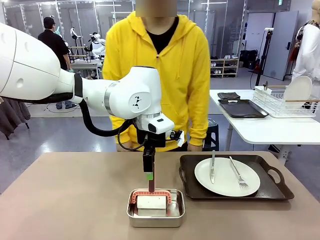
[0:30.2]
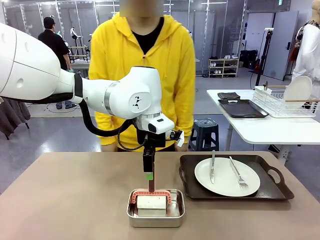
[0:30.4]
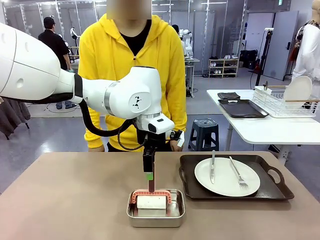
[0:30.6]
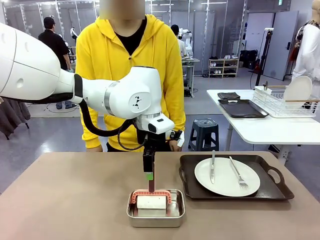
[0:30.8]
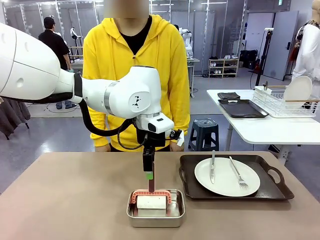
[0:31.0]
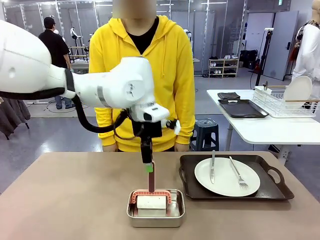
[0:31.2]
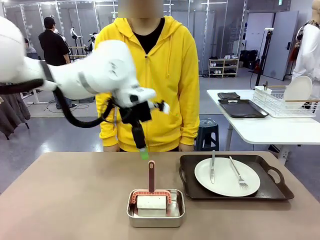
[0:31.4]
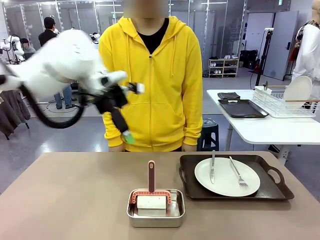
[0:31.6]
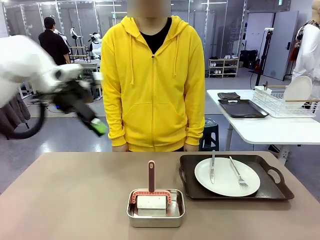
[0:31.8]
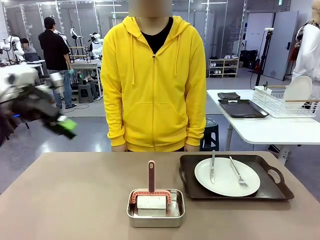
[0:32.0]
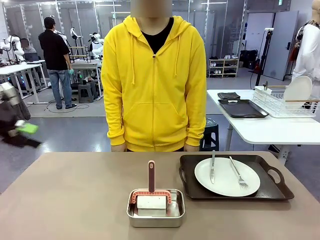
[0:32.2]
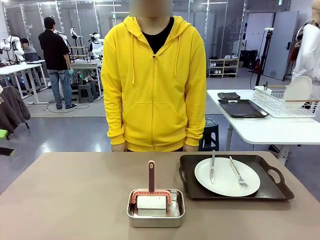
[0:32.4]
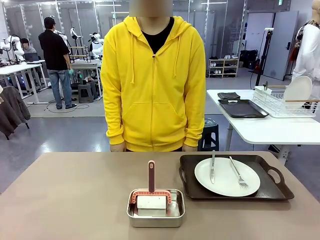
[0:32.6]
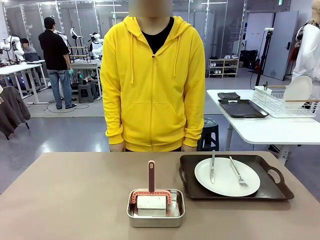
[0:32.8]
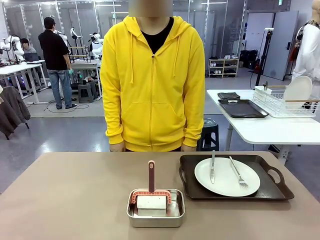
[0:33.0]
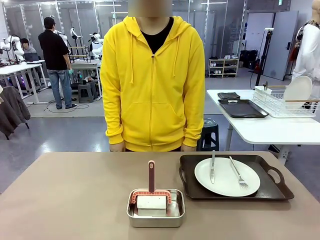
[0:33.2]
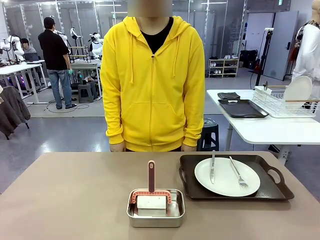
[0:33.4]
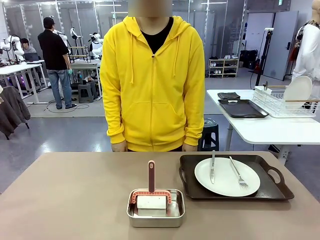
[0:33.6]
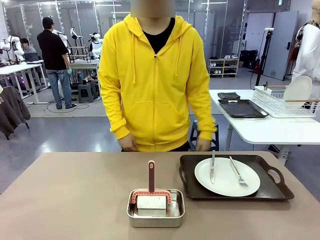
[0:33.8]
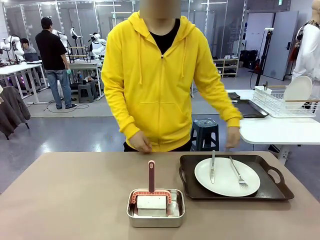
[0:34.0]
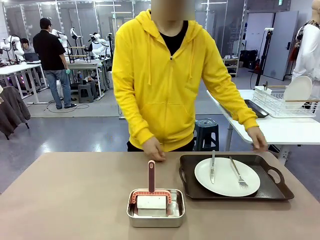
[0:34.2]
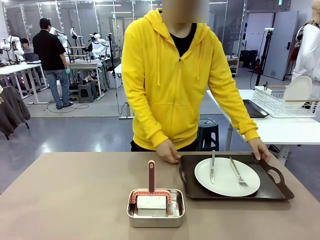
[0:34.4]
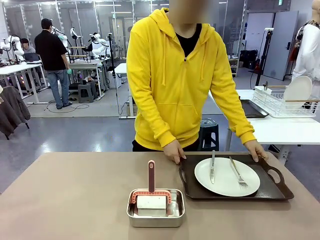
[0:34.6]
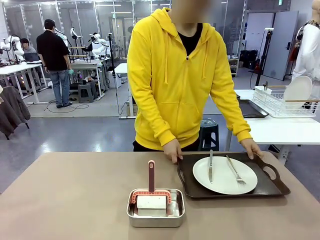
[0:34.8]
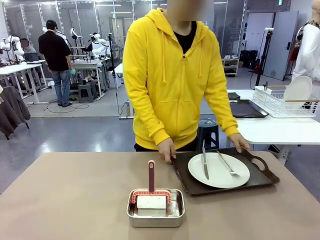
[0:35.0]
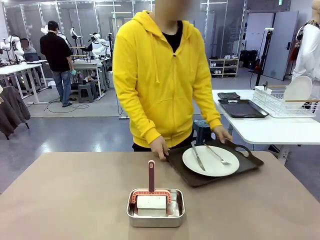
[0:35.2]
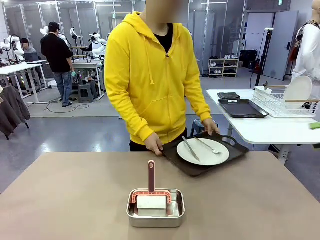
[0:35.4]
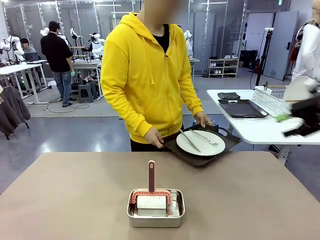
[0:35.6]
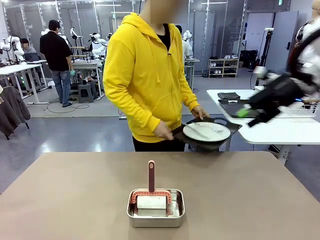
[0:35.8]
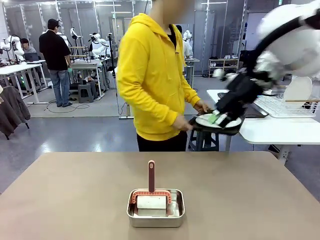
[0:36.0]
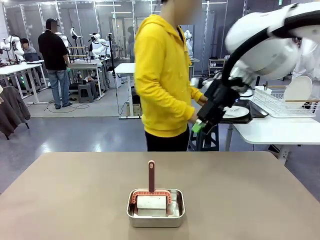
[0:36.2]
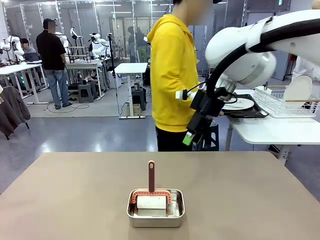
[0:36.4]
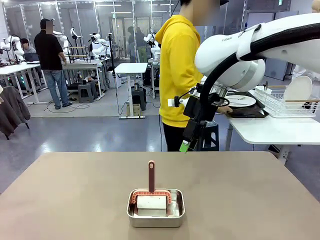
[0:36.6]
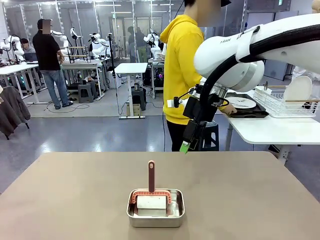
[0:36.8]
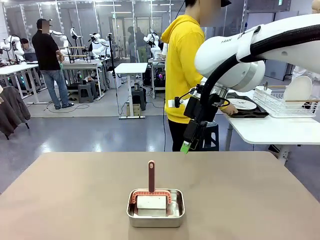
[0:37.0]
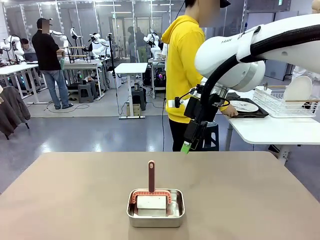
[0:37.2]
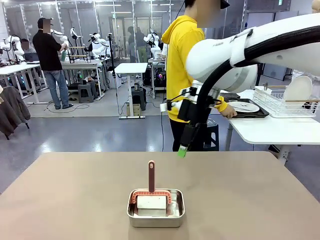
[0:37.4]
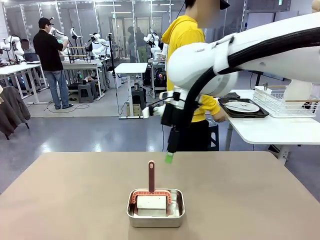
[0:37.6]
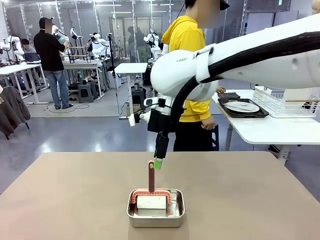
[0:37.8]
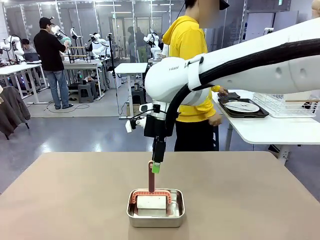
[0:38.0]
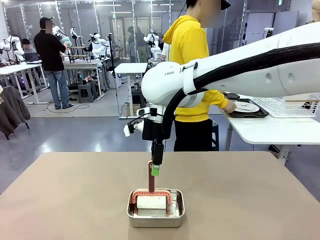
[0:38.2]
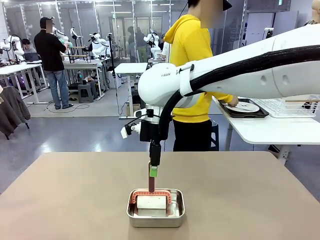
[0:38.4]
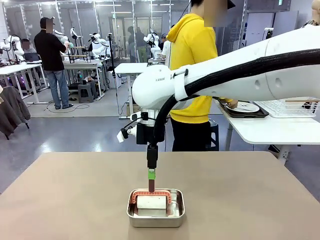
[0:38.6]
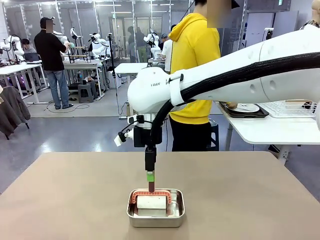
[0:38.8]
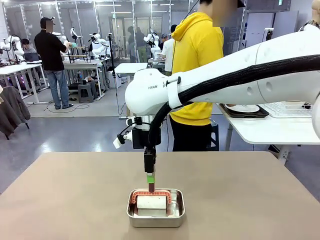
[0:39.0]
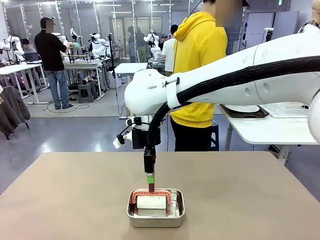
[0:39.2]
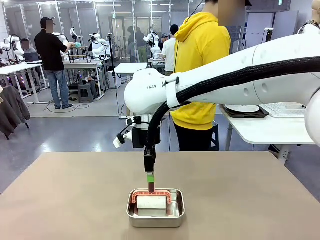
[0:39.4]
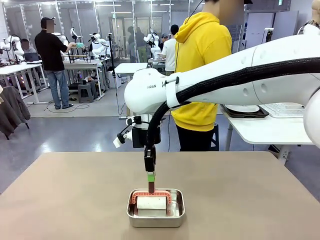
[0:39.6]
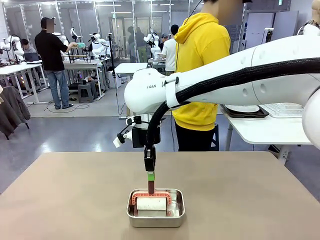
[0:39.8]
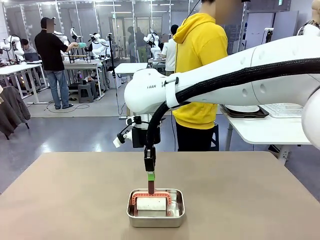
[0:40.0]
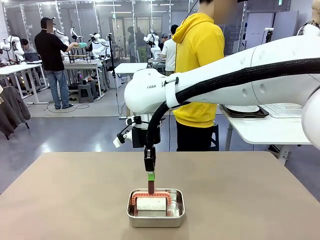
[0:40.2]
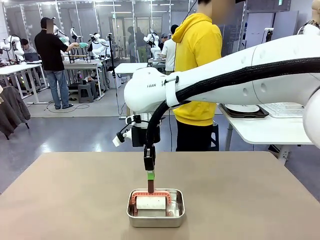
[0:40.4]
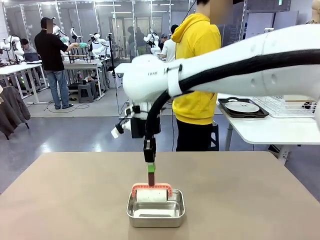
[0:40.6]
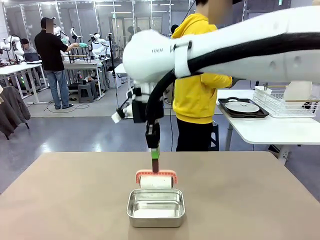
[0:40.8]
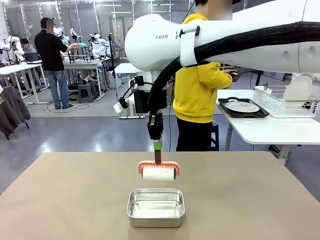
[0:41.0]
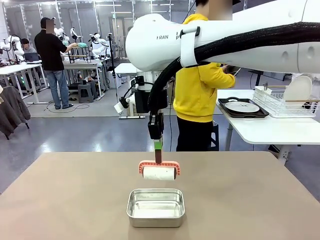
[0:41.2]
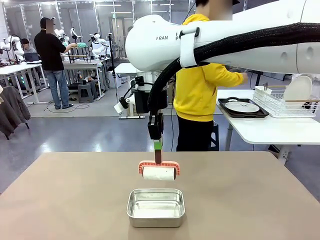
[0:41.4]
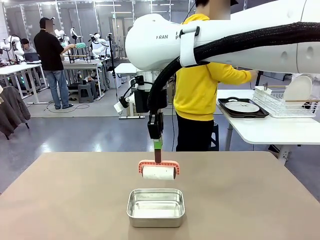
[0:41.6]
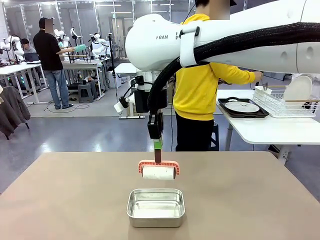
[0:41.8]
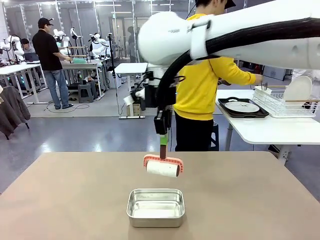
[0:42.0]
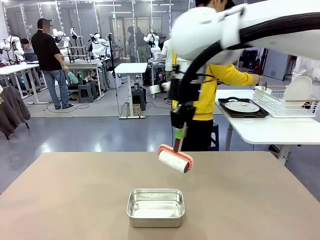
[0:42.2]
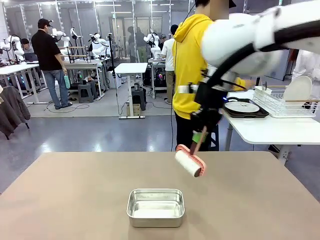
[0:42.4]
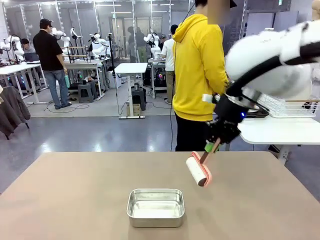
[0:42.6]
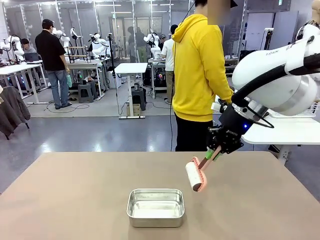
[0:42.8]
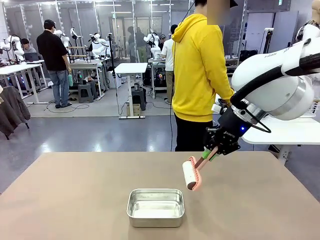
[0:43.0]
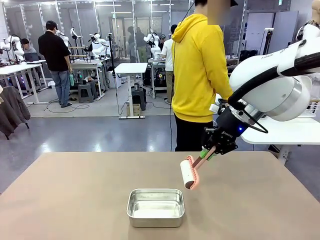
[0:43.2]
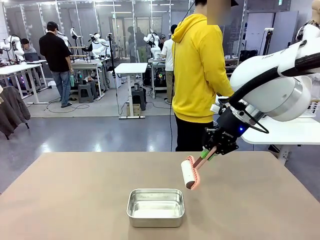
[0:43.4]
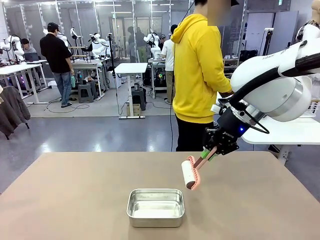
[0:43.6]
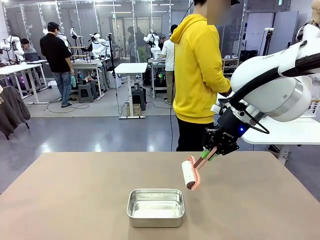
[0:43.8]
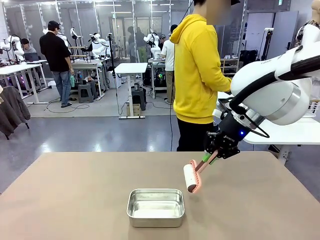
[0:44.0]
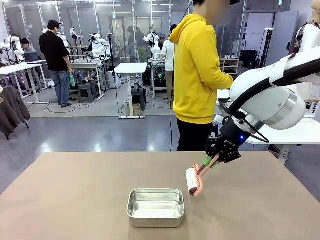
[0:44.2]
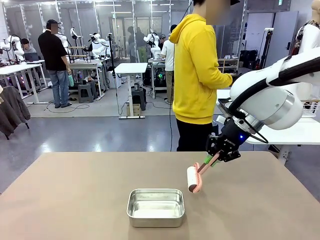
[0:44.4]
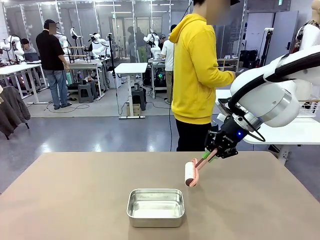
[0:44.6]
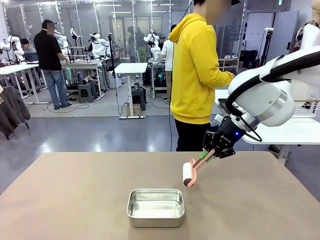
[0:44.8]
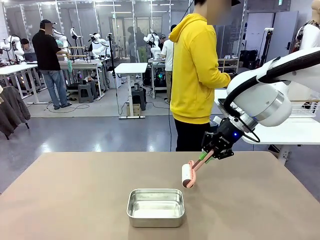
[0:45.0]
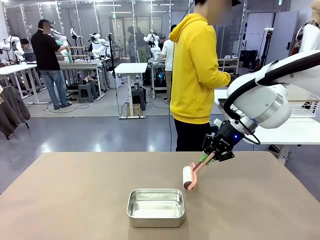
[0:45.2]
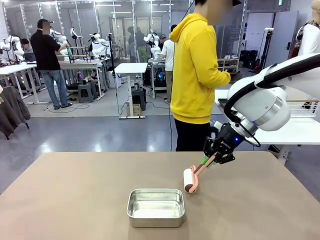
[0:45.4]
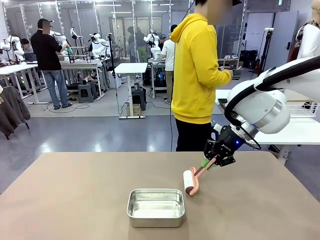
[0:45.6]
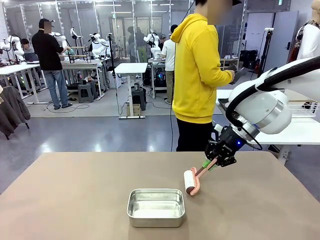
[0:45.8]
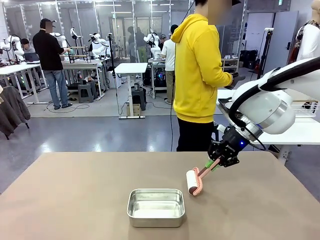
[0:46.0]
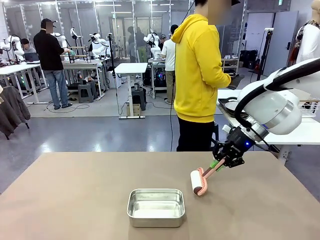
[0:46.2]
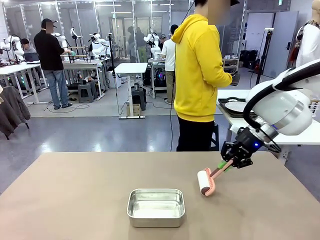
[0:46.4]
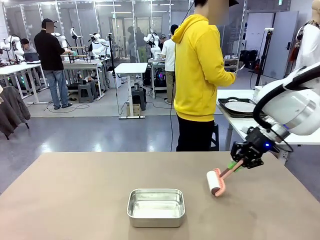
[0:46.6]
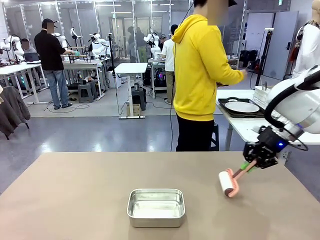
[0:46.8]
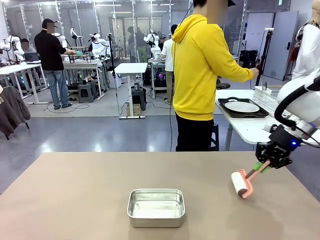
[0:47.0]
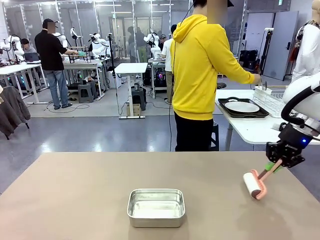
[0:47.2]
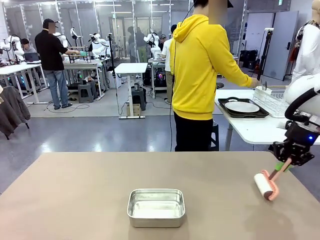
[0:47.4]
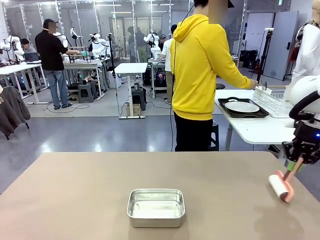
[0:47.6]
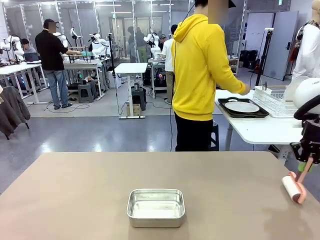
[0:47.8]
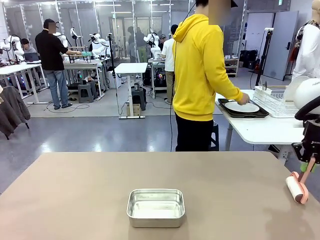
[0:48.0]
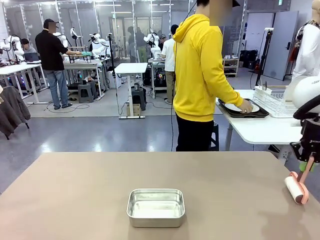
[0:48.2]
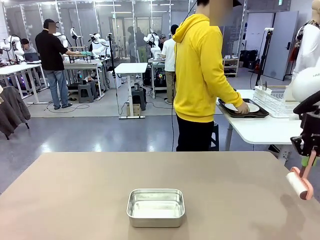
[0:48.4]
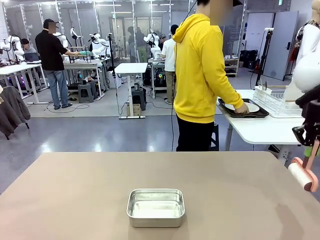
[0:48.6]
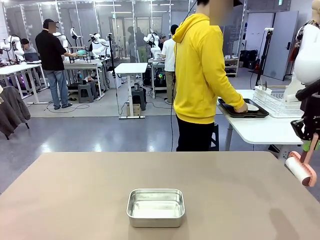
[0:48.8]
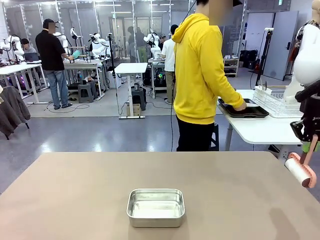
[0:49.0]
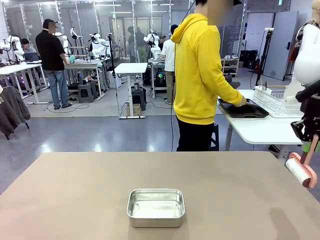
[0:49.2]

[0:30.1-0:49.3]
Robot: When the right (or left) Handle tray is removed, use the right hand (or left hand) to clean the right (or left) side of the table with the Lint Roller.
Person: Pick up the left (or right) Handle tray and place it on the Handle tray.
